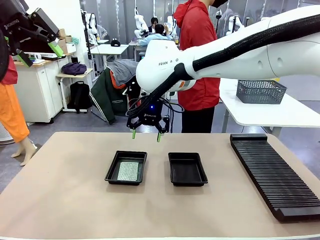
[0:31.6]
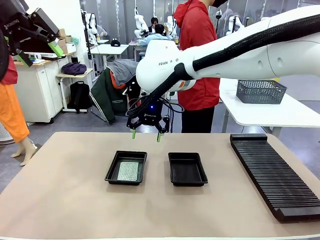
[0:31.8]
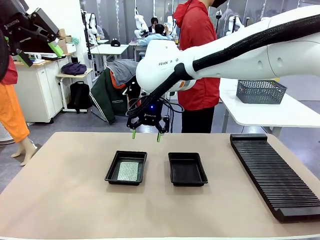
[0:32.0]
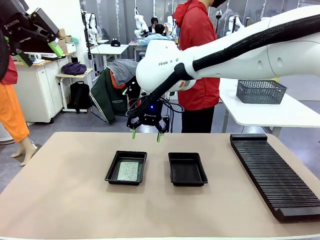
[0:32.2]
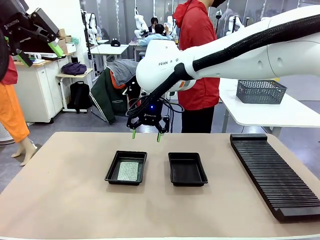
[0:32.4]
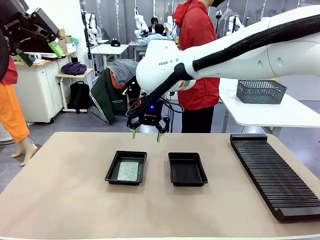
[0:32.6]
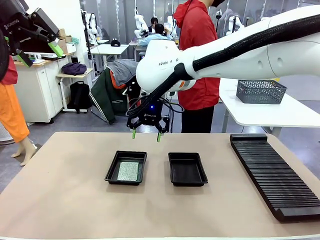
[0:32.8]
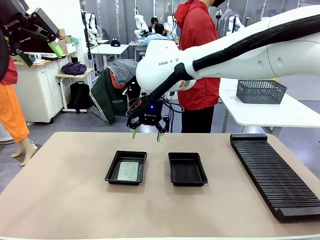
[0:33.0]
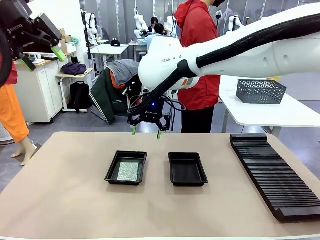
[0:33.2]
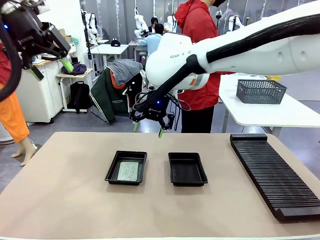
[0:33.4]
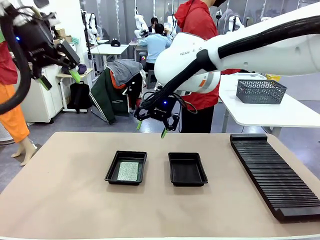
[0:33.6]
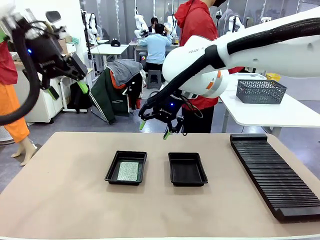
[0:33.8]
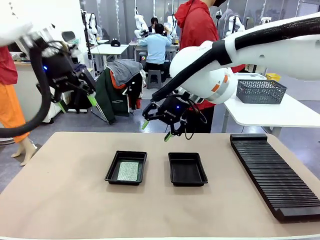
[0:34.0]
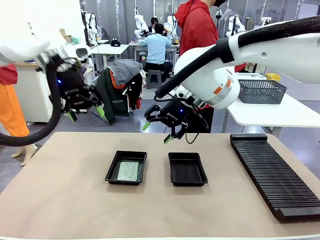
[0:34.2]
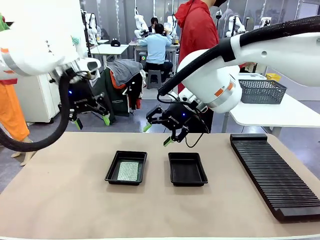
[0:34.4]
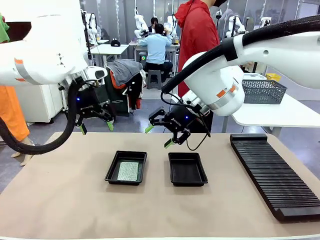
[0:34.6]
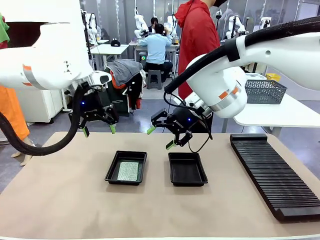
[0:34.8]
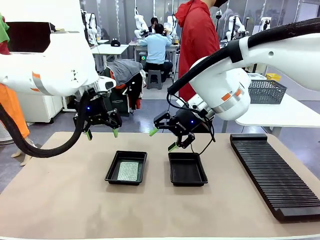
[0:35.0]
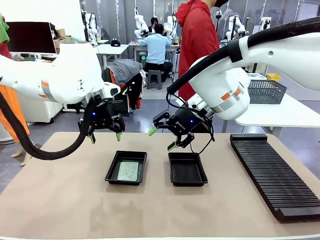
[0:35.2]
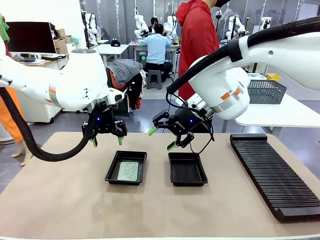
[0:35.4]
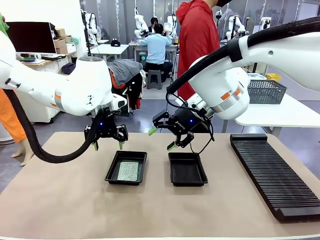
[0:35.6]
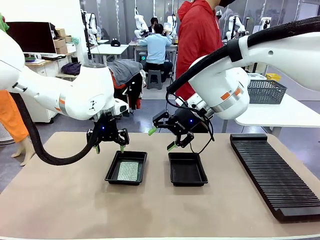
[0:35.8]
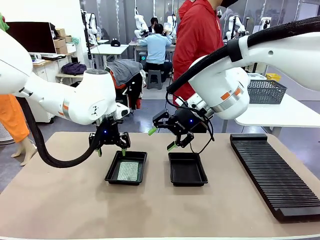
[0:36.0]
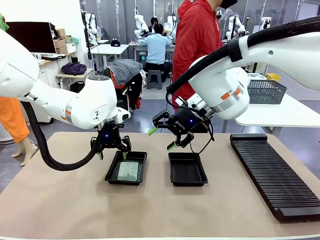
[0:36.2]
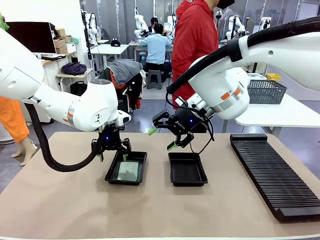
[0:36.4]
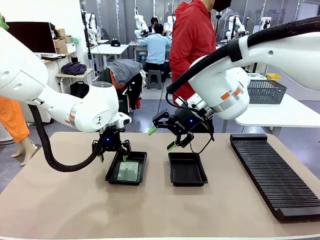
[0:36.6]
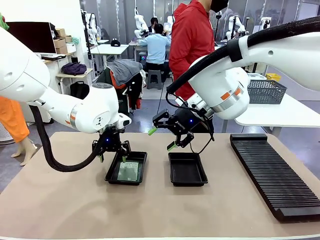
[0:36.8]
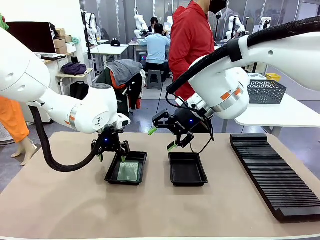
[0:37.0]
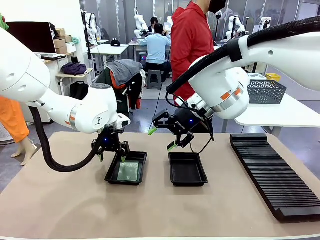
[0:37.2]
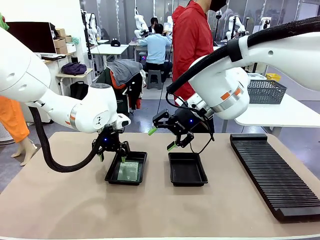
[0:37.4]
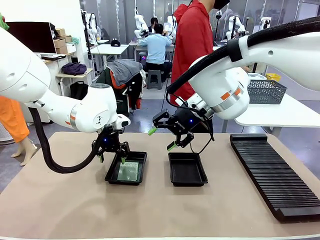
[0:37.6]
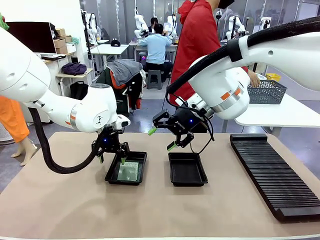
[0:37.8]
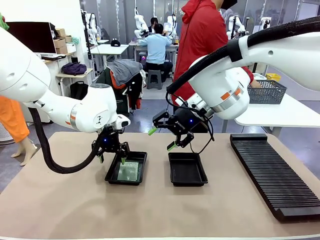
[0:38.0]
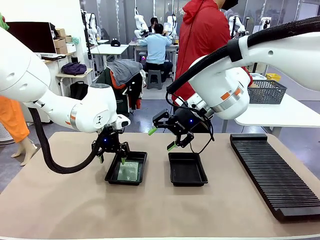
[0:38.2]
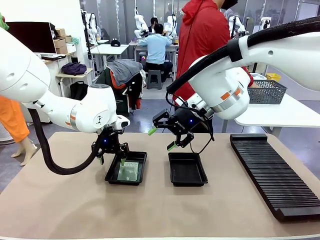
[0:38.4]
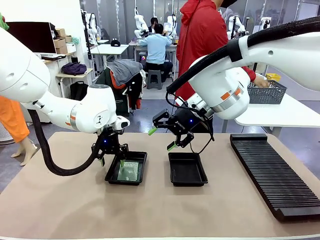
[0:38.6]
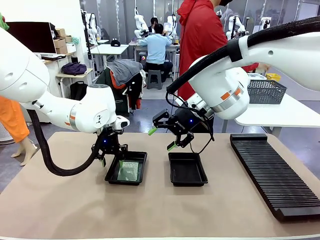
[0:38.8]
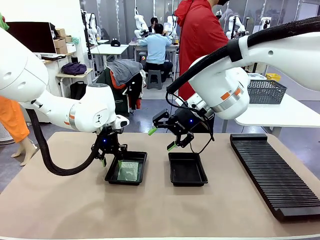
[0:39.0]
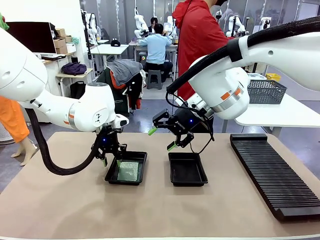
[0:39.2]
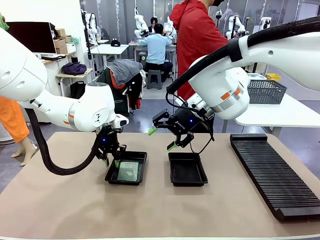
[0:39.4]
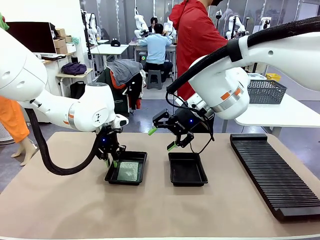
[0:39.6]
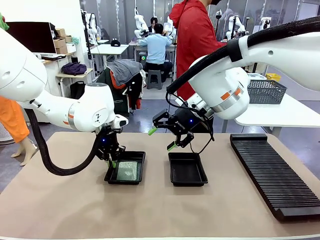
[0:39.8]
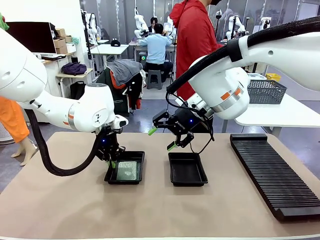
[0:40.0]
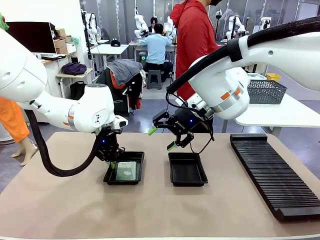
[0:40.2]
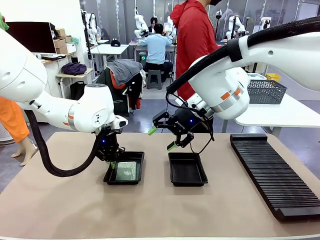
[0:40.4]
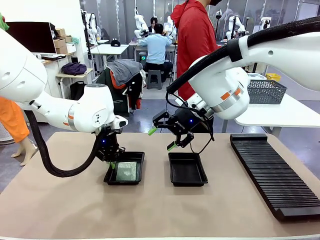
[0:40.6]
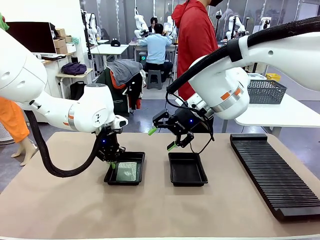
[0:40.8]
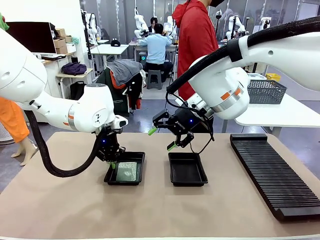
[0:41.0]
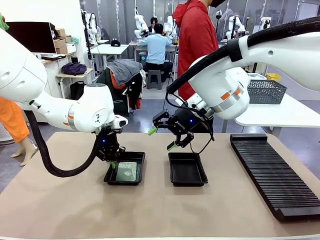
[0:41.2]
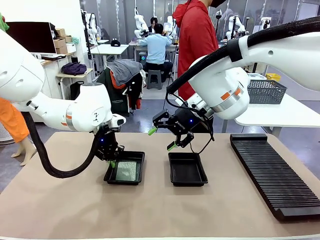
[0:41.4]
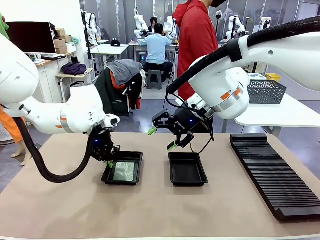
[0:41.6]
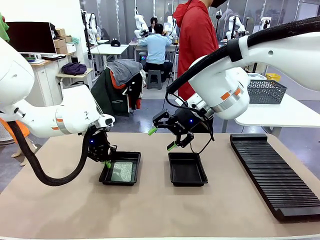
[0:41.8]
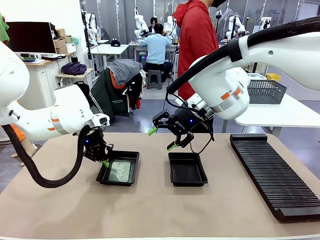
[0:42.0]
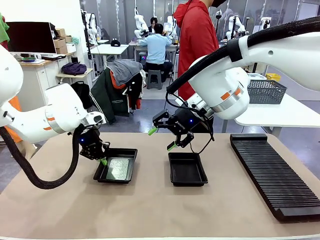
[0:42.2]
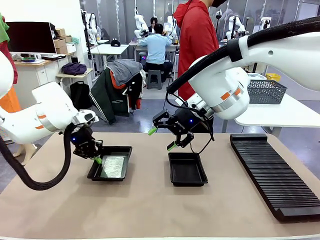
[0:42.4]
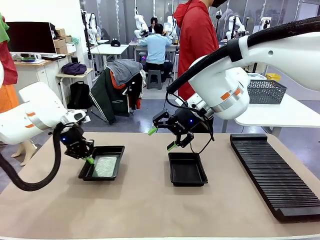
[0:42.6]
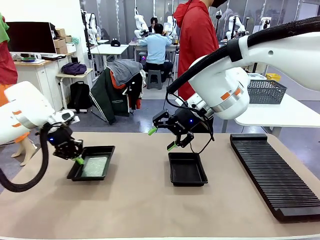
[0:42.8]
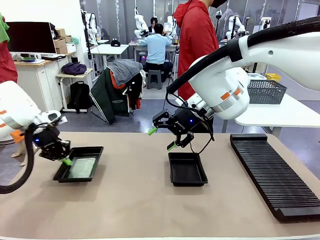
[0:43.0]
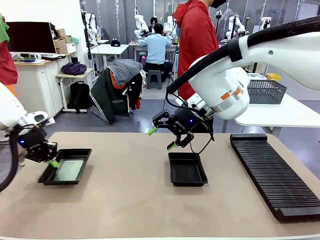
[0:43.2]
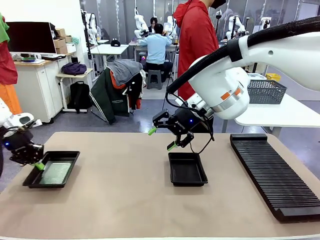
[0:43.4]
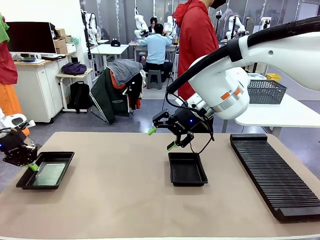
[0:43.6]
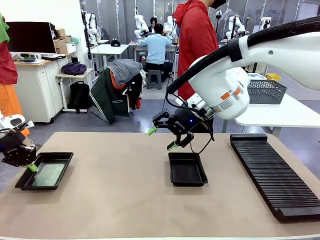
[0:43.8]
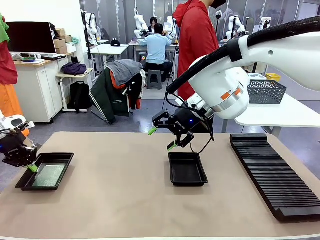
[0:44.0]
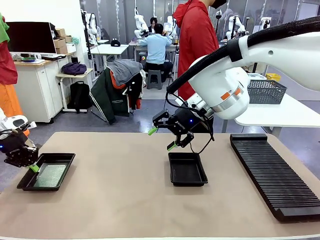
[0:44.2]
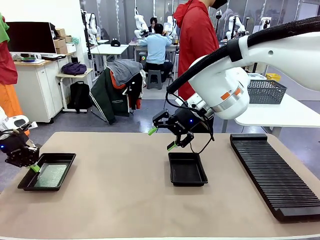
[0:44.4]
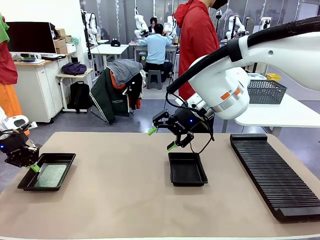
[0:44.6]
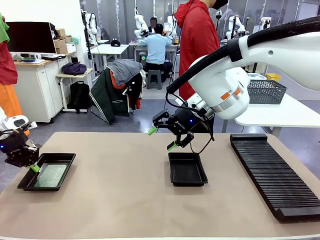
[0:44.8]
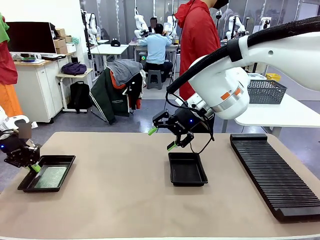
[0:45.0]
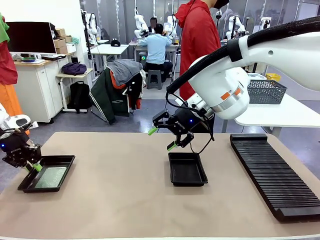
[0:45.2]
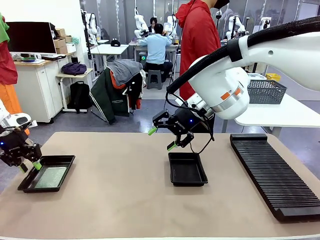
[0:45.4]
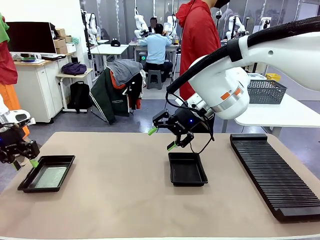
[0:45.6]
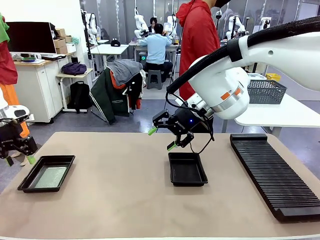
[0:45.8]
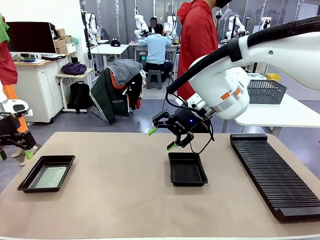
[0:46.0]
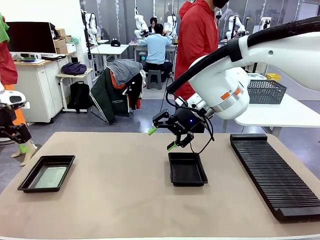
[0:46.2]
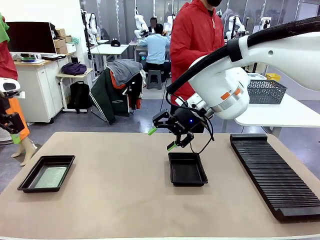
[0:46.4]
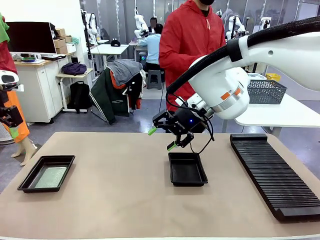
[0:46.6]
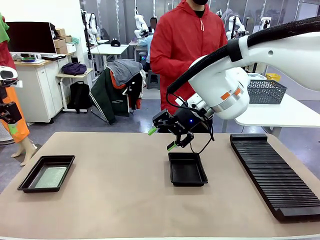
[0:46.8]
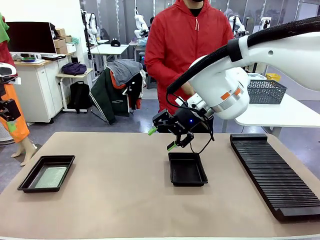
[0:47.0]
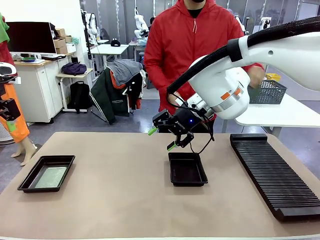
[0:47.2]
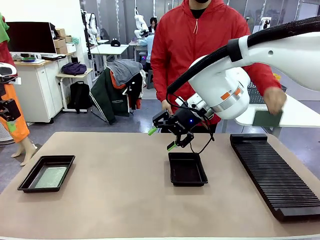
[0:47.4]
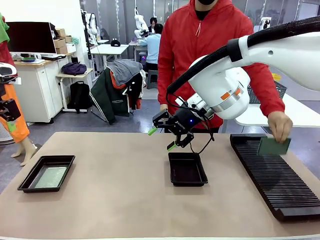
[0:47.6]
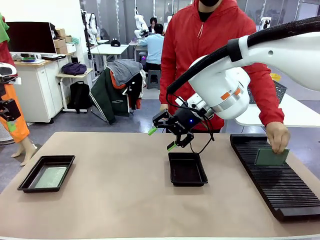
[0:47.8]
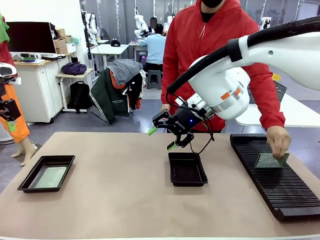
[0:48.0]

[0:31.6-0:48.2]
Task: Inspect and transfer BCBs to ESD trays.
Robot: Pick up the ESD tray and place it on the left side of the table.
